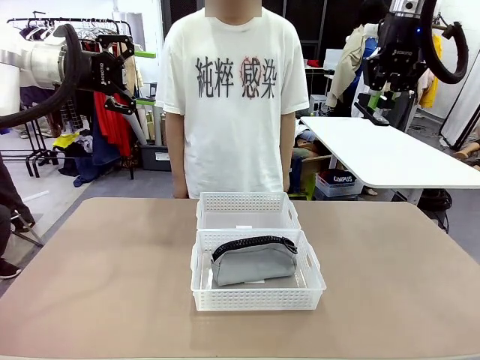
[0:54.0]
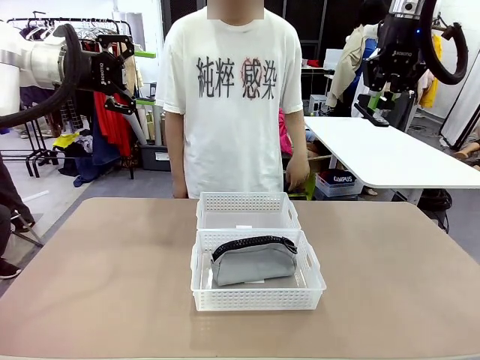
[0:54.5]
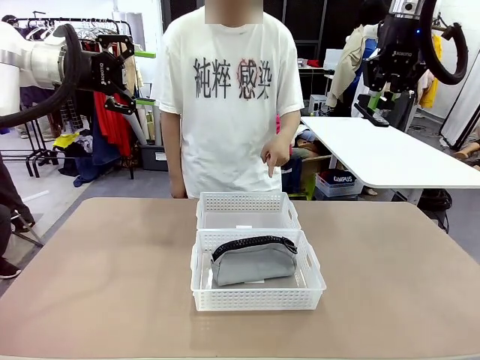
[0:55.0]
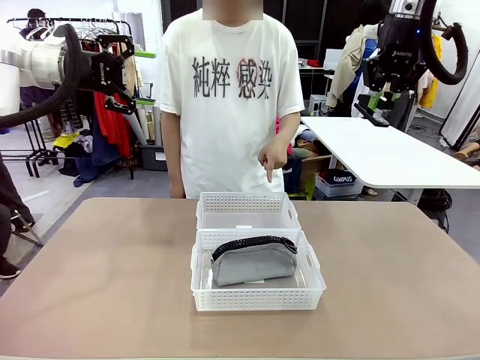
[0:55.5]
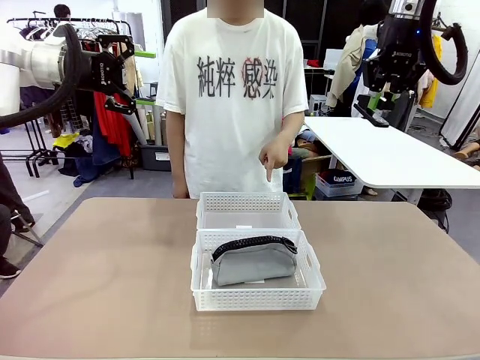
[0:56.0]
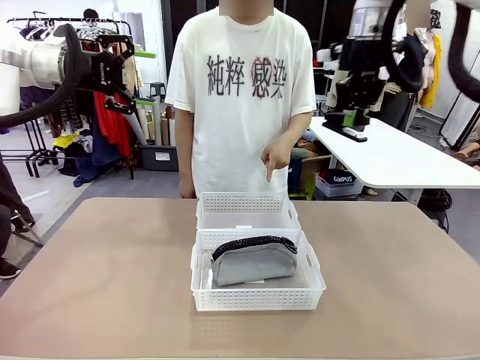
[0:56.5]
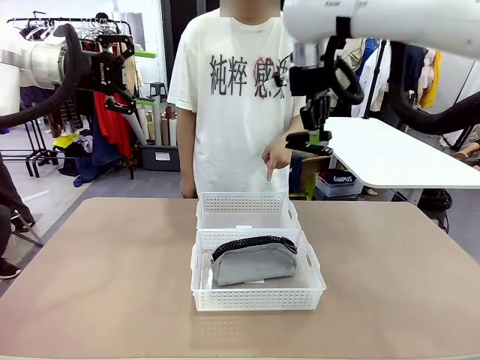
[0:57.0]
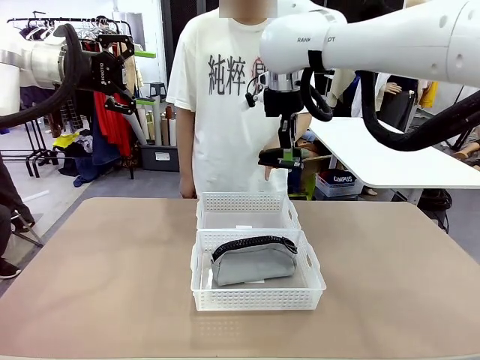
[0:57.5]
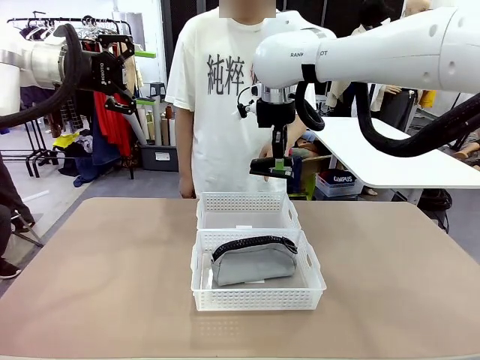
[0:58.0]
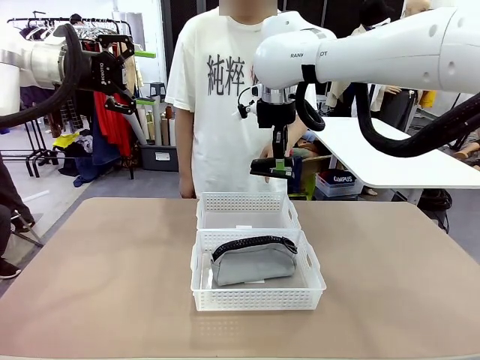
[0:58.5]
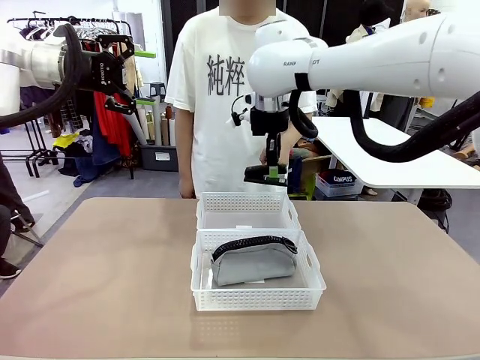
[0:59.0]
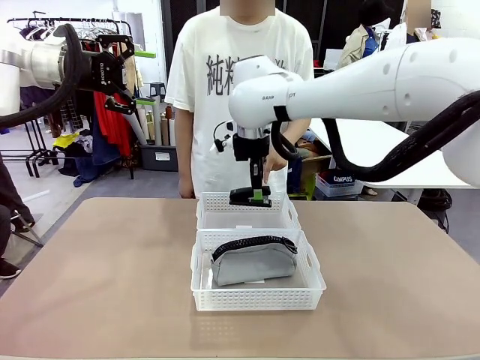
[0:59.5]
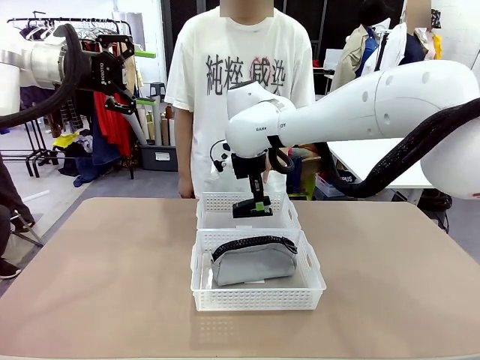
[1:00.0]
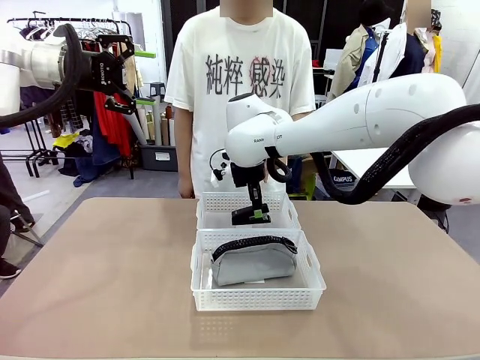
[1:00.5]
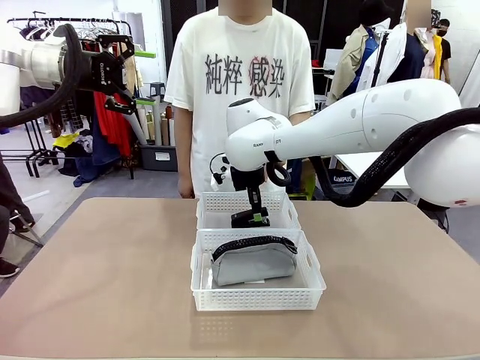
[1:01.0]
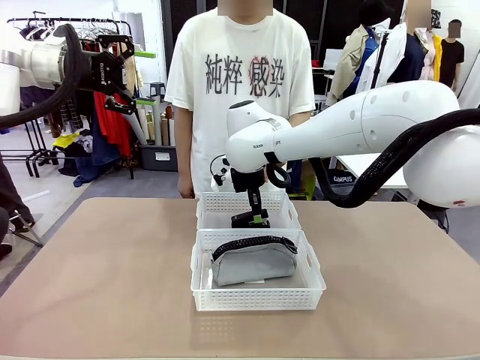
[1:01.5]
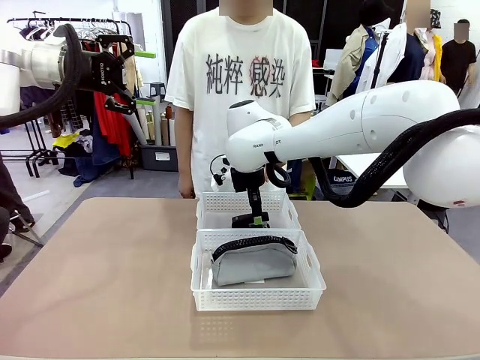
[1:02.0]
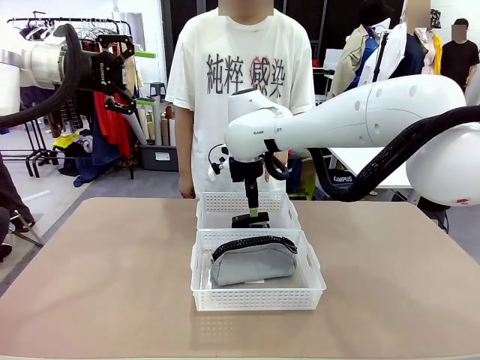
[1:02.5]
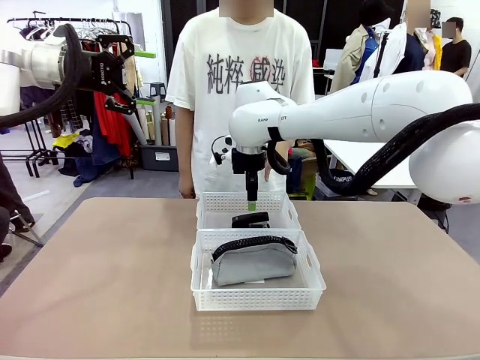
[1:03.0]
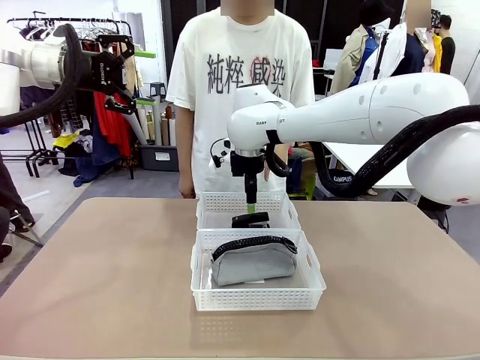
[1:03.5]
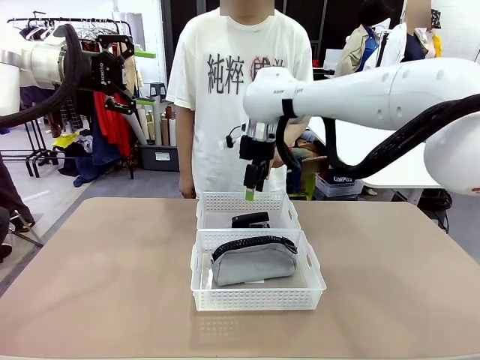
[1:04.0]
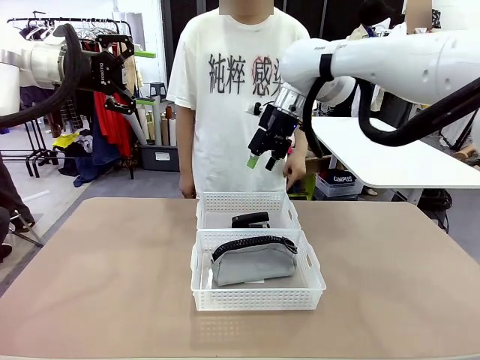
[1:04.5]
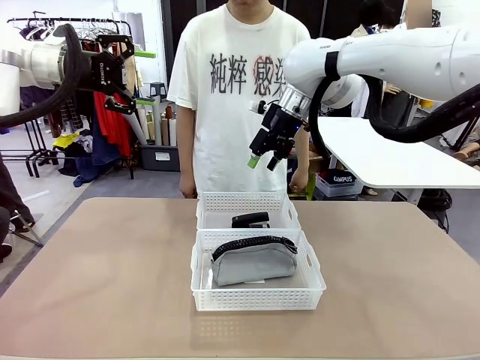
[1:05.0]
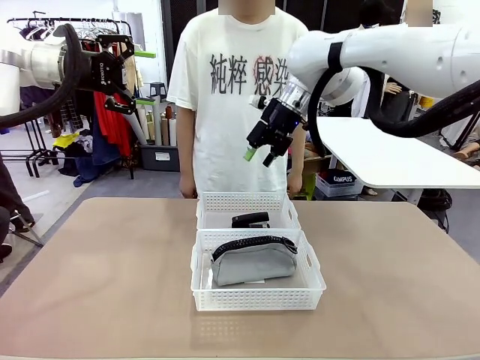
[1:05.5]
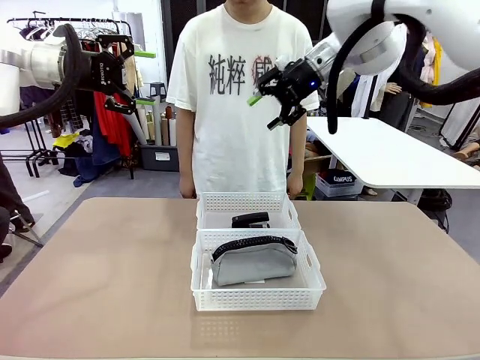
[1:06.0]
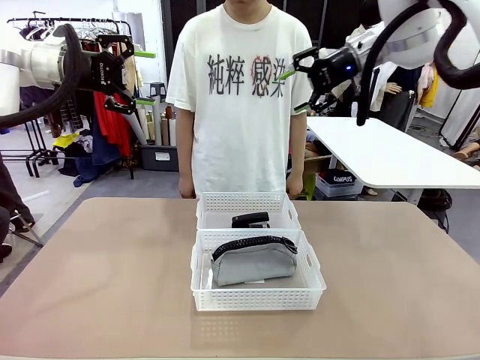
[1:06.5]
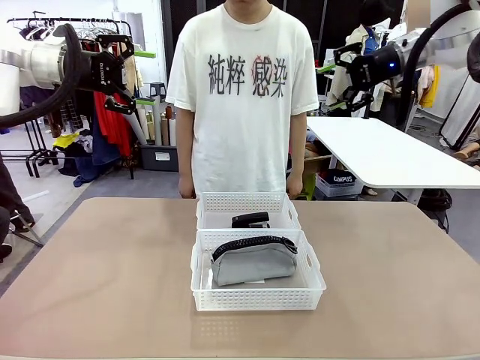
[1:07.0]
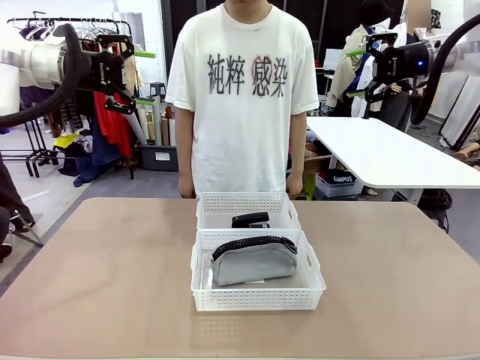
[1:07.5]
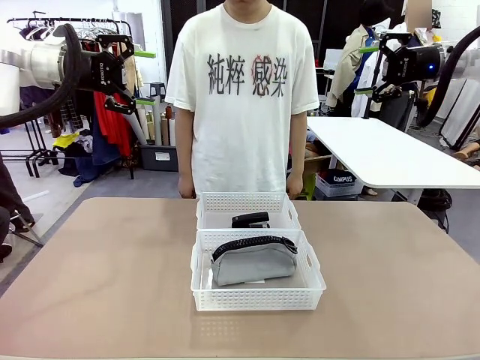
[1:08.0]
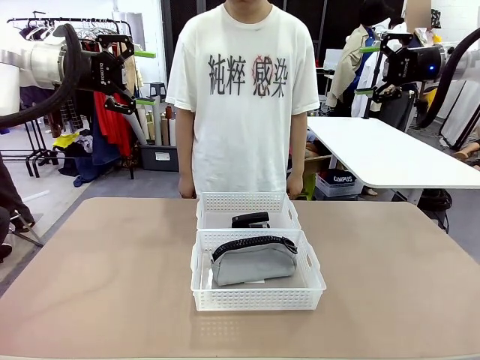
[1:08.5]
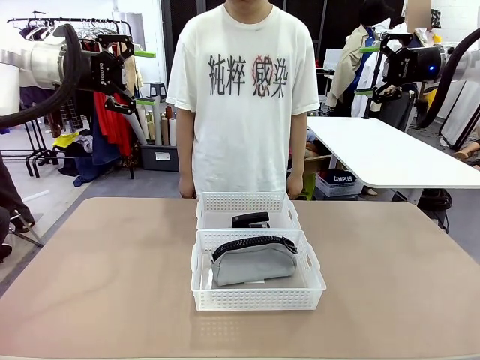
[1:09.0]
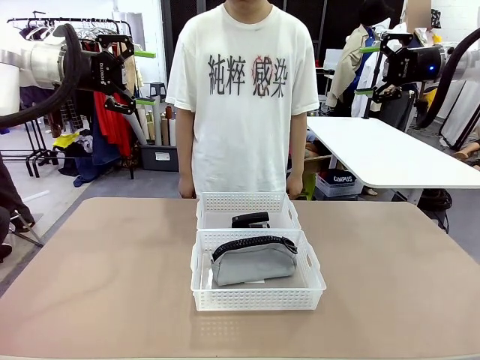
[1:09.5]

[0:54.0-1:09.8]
Task: Distribute items into two baskets.
Robot: Place the picked Stapler into the Organizing basket as instructed by the person.
Person: Points to the basket that does not contain the pencil case and instructs the robot to move the stapler there.

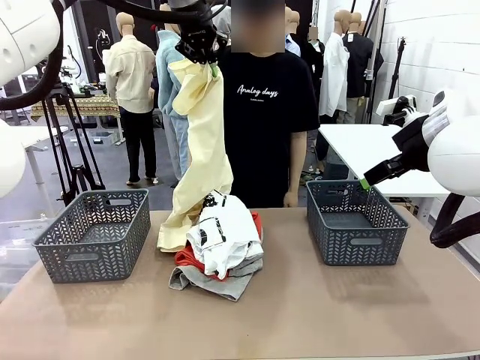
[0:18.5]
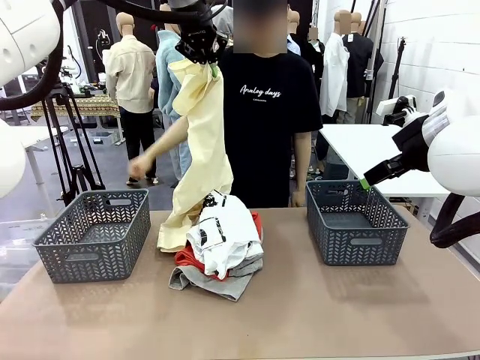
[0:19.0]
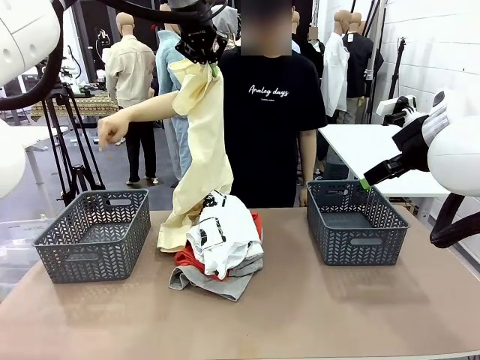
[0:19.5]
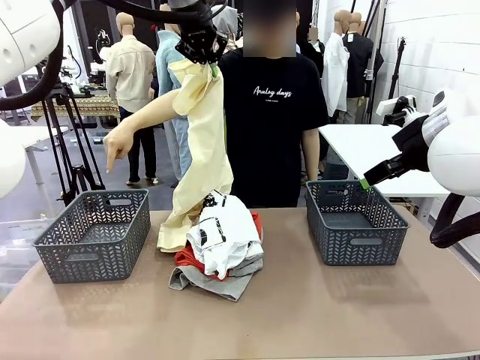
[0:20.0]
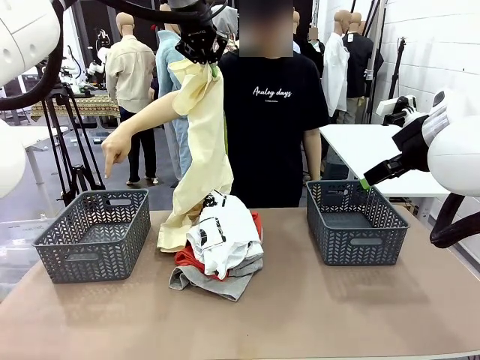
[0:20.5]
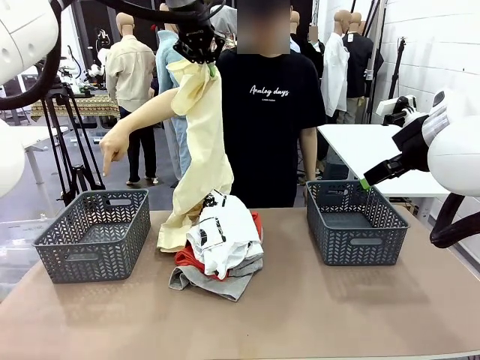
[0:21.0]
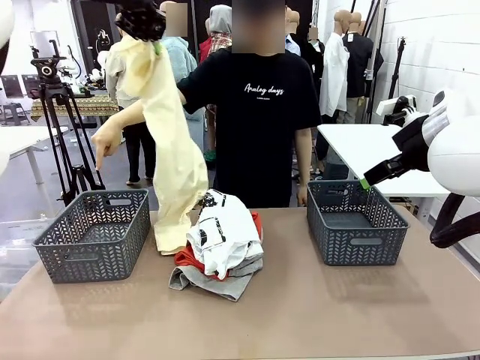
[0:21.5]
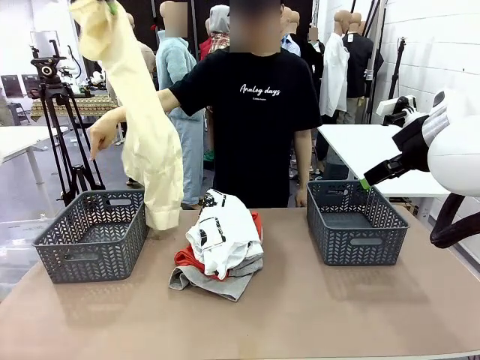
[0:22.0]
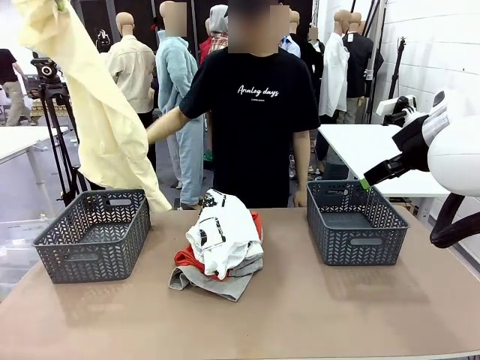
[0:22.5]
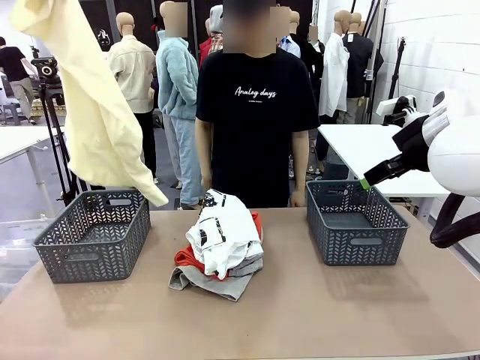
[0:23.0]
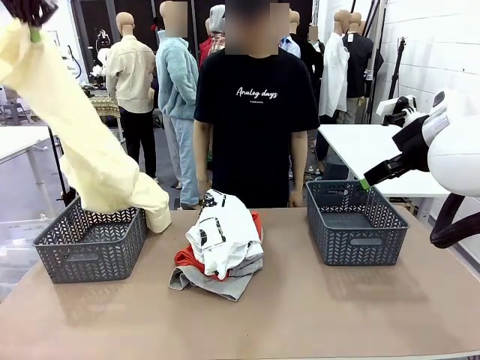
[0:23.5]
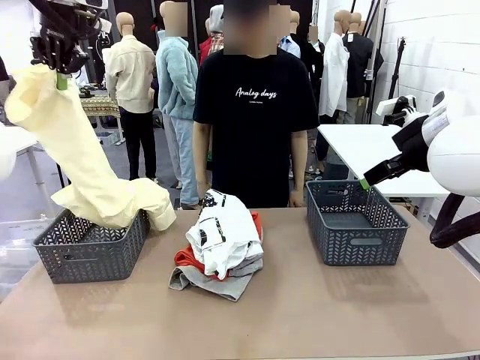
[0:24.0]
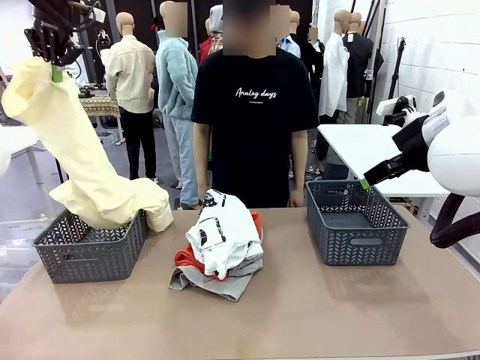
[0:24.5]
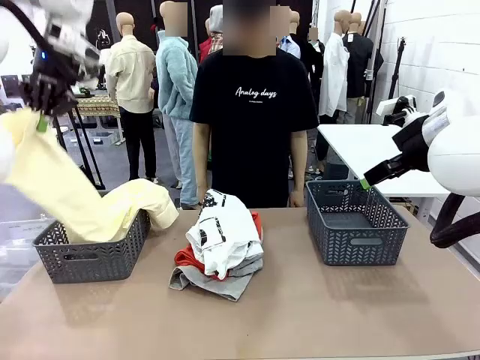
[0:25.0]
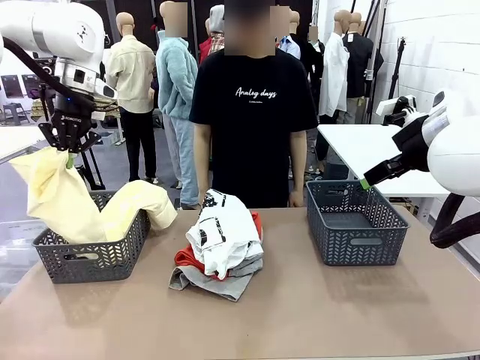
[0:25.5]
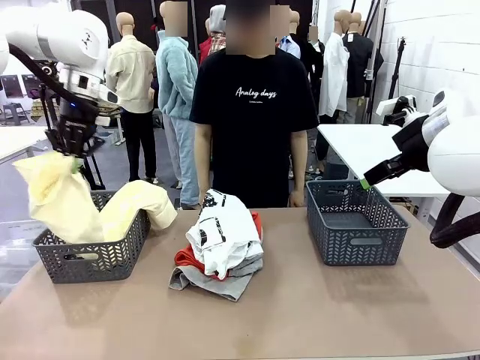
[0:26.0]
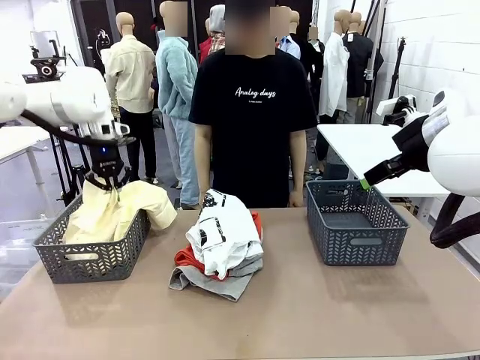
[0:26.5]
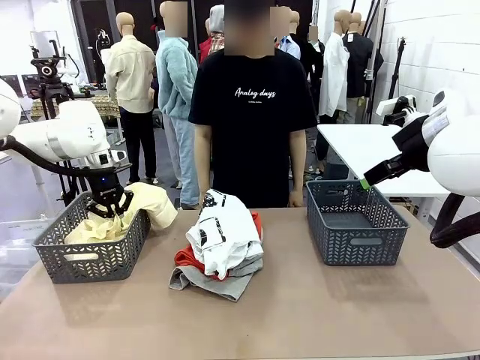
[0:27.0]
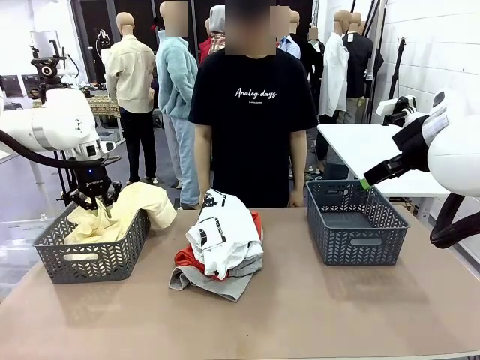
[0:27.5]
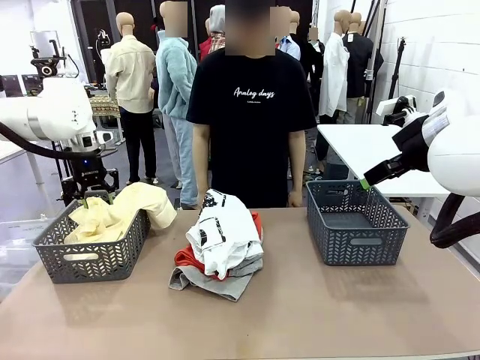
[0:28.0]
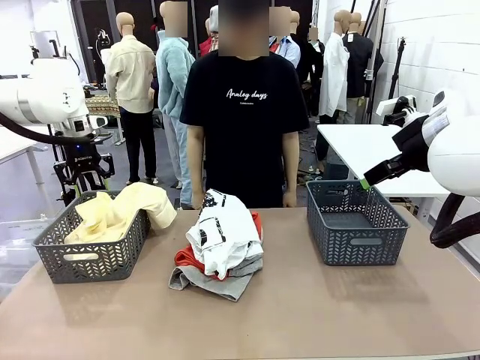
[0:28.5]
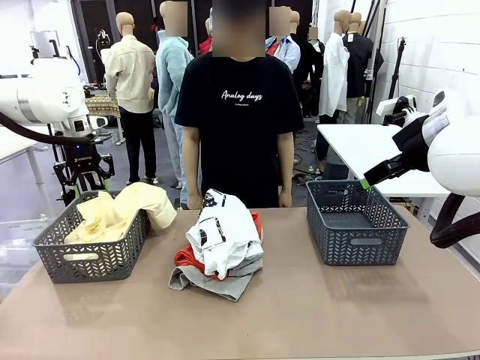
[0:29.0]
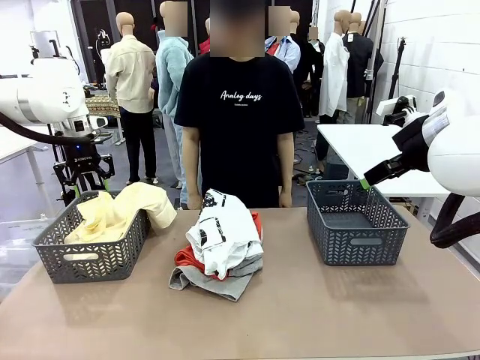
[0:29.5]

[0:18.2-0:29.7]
Task: Sort the tops and bottoms.
Robot: Sort the clothes according to human instructions.
